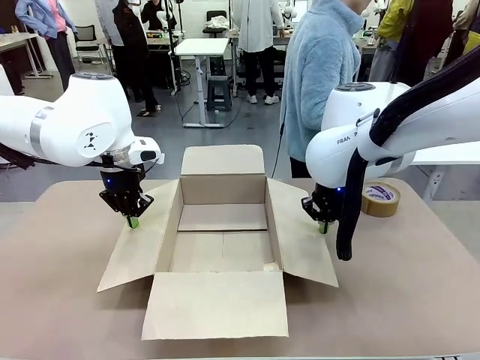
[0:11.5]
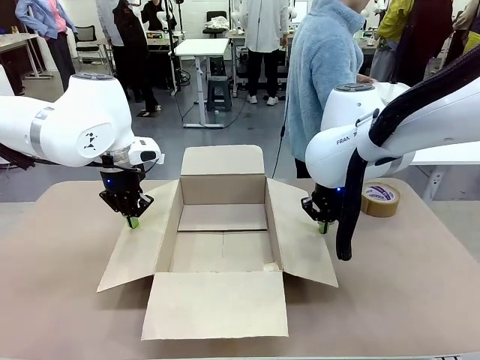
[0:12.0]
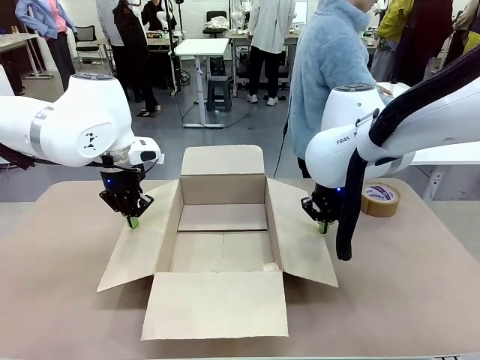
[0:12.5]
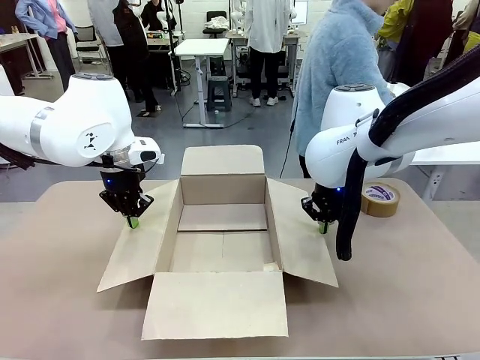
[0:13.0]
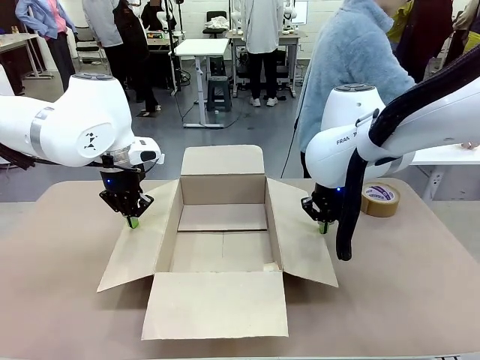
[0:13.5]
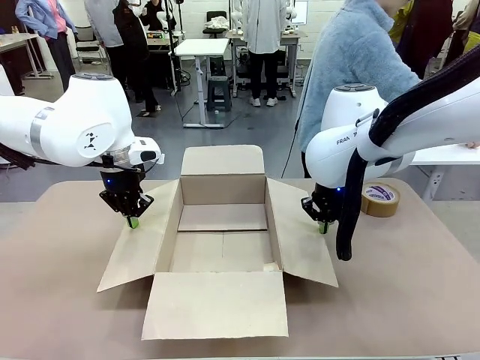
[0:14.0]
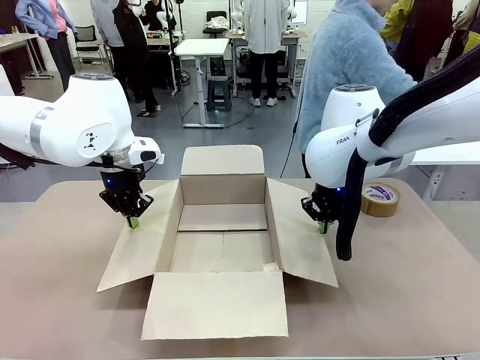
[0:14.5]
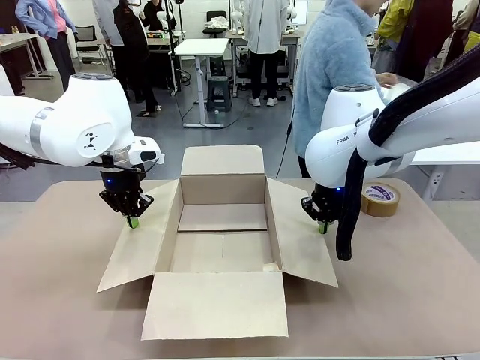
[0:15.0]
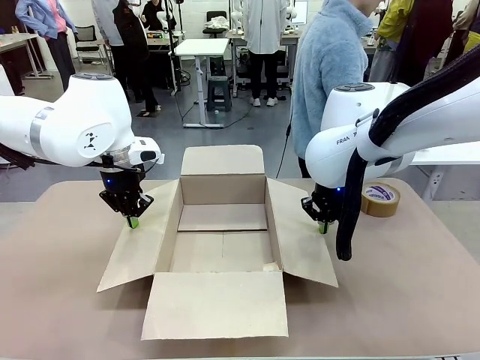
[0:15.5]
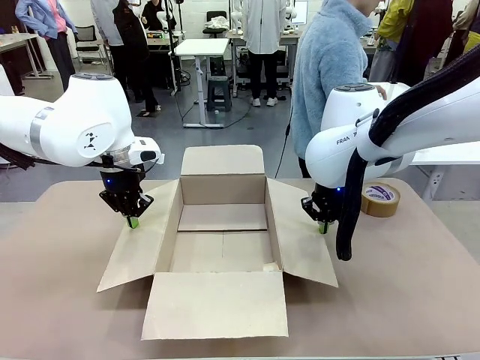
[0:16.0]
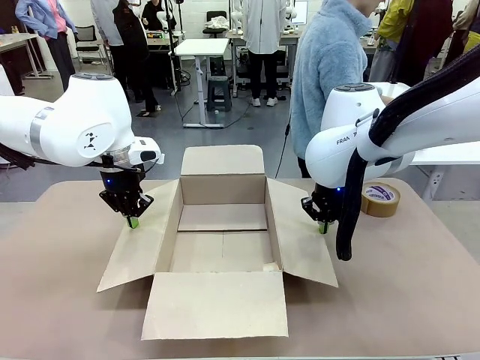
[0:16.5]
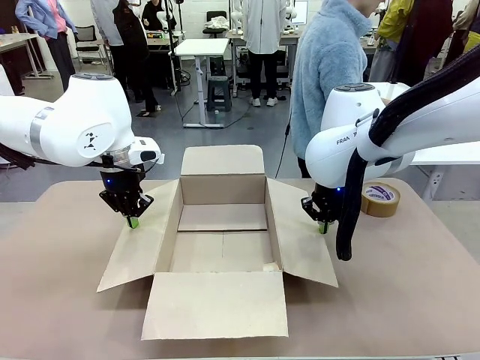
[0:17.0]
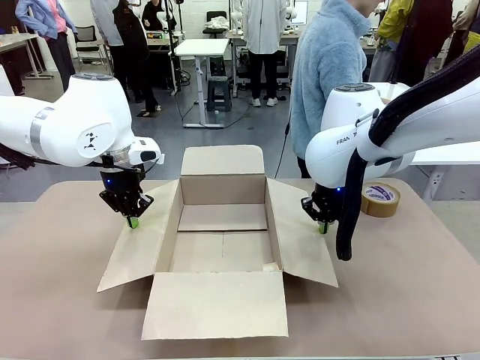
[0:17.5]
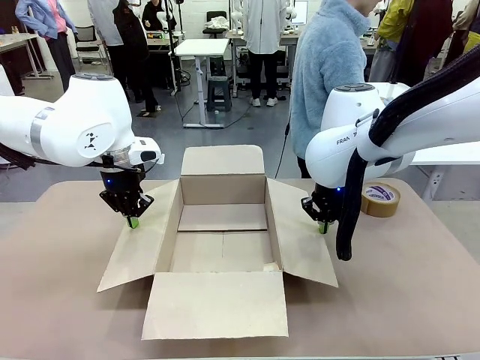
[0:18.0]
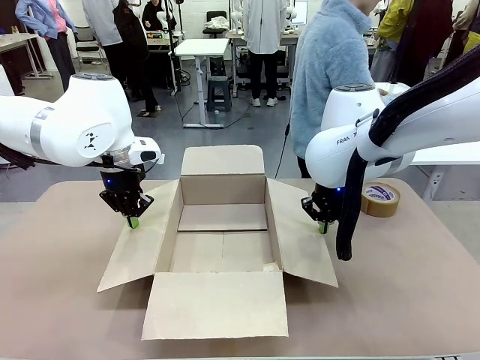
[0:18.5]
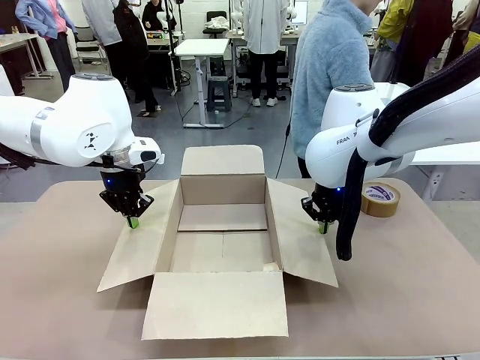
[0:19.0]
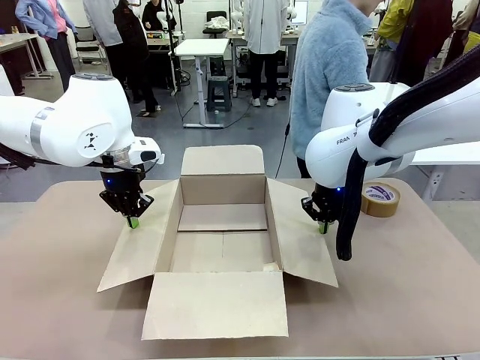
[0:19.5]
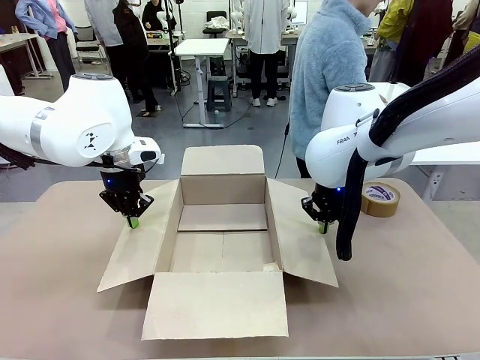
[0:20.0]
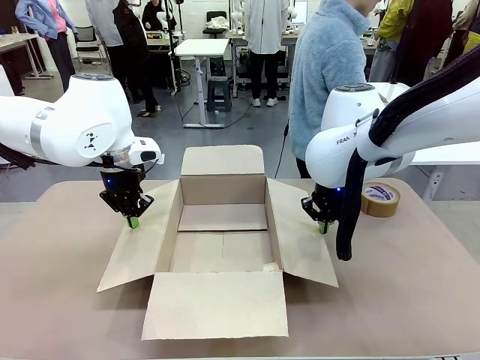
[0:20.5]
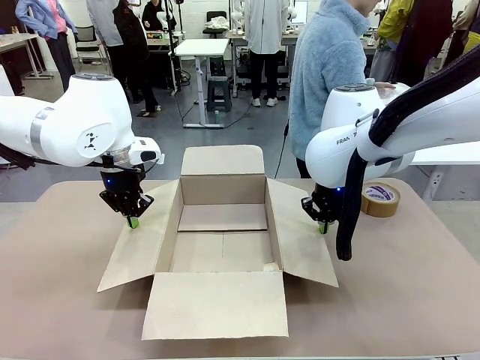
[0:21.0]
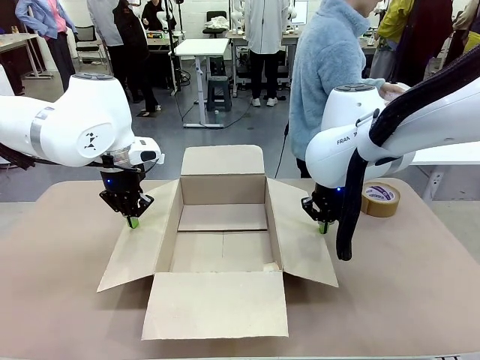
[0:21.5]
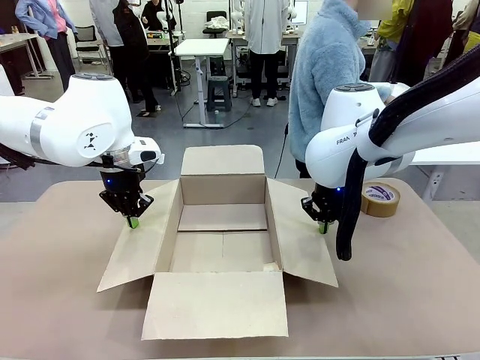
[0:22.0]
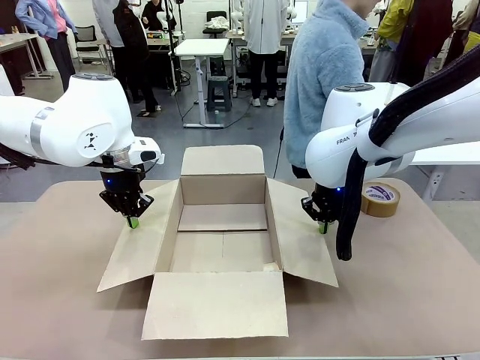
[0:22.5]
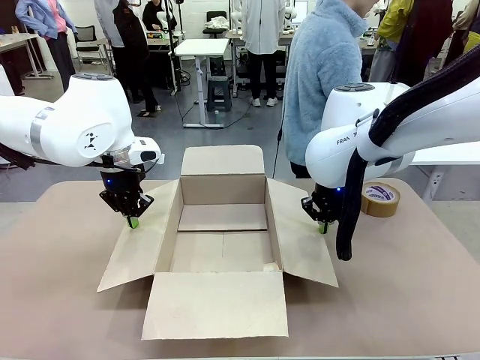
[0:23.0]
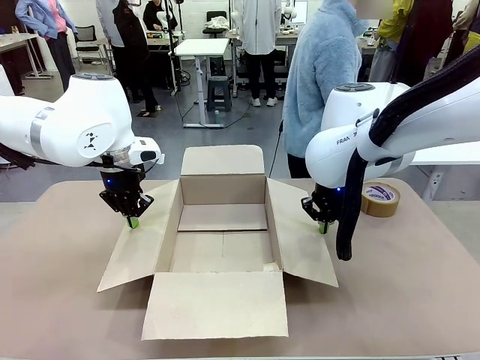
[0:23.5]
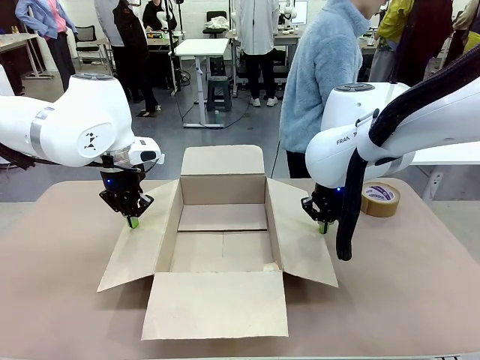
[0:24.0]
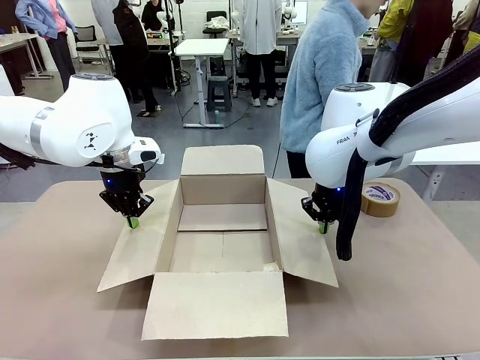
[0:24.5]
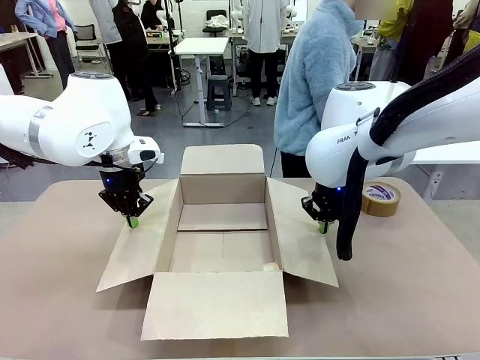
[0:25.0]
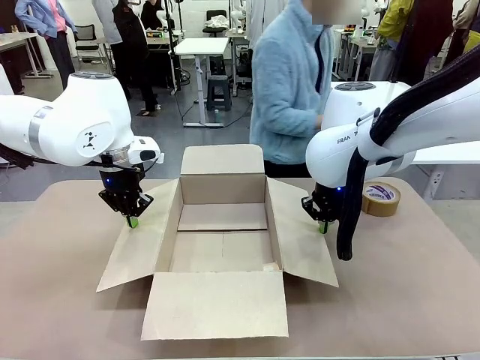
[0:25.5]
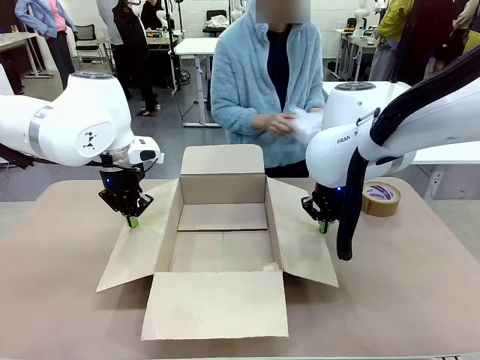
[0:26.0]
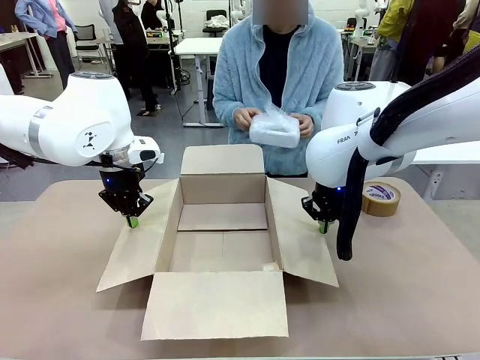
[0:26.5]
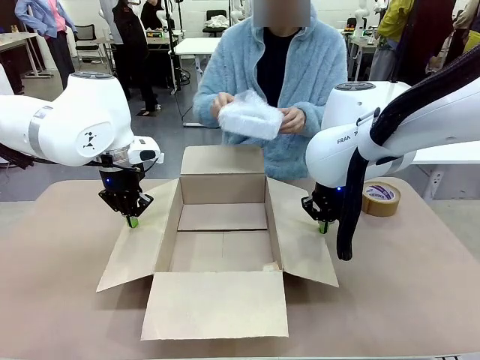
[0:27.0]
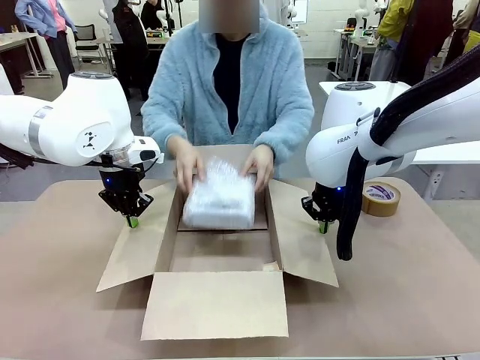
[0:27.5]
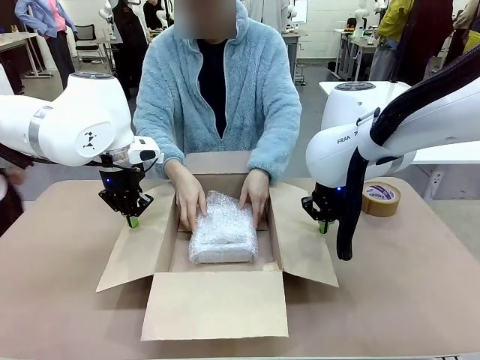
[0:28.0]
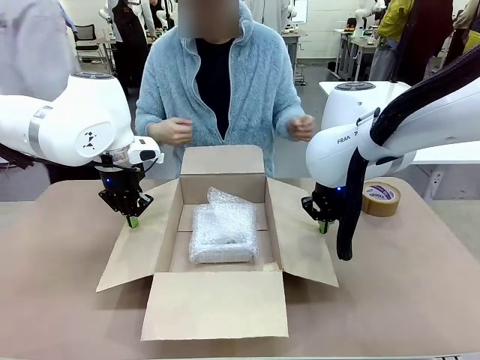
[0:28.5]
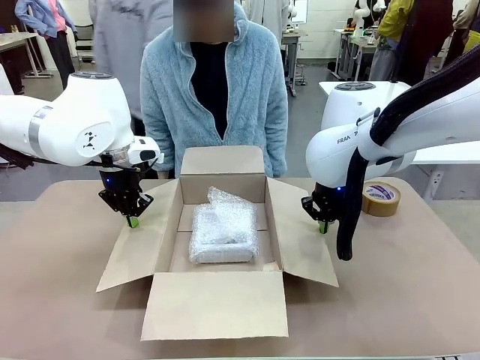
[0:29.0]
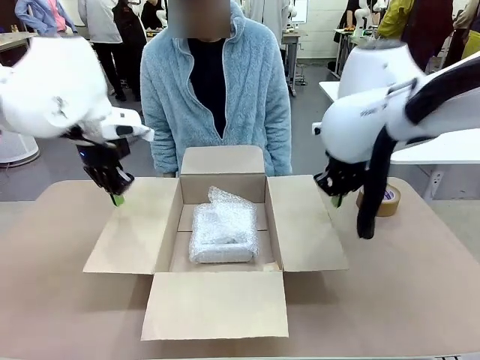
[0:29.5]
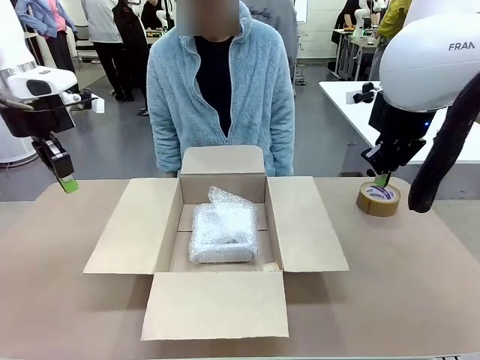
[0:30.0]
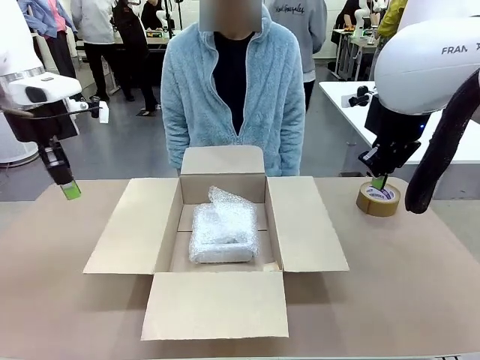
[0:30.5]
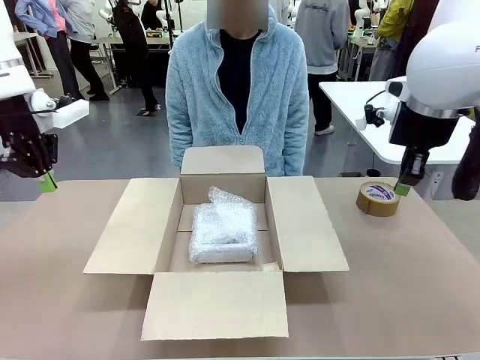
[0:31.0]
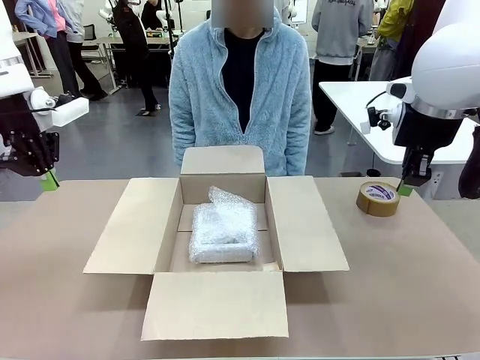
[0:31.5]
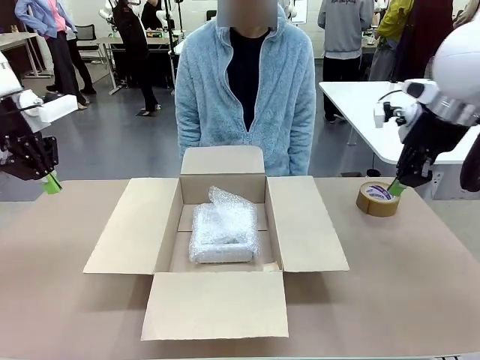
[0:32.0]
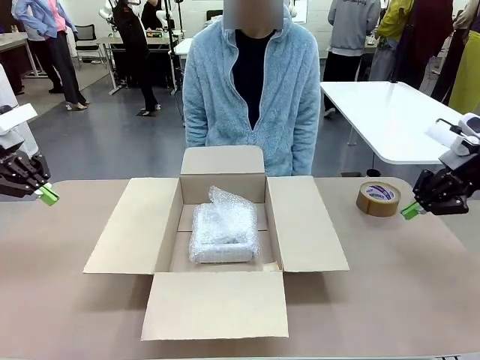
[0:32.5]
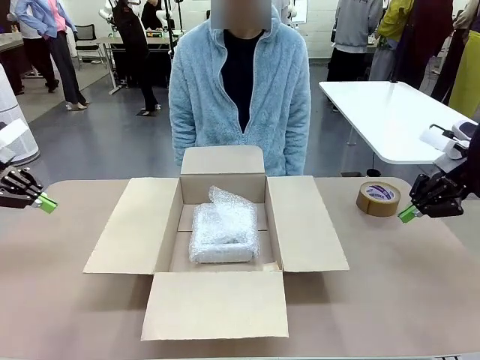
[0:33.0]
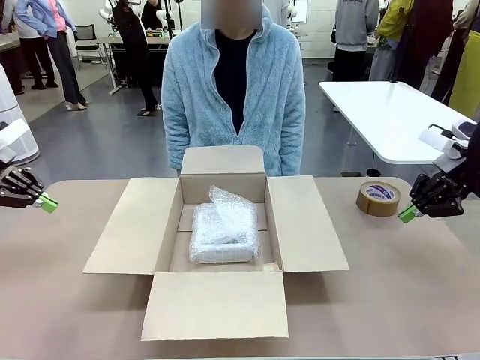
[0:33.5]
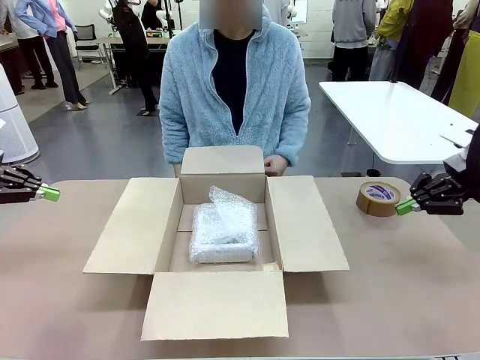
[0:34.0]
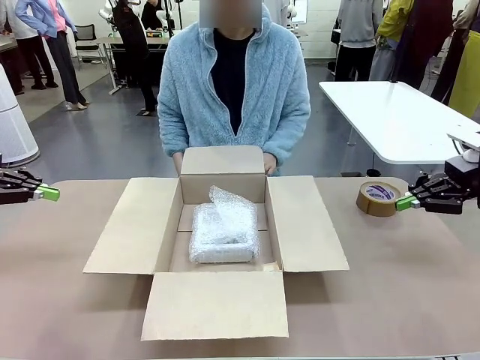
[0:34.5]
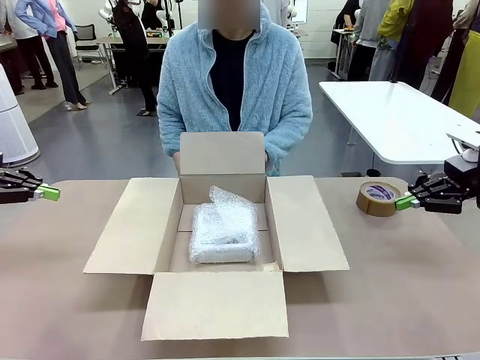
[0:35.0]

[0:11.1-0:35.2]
Task: Wrap the clocks to prevent damage.
Robot: Once the human has placed the objects inside and stepped back, release both hands from the side flaps of the Package Box.
Person: Wrap the two Digital clocks with Bubble Wrap. Place the wrapped Digital clocks inside the Package Box. Hold the top and bottom flaps of the Package Box closed with your left (or right) hand.
